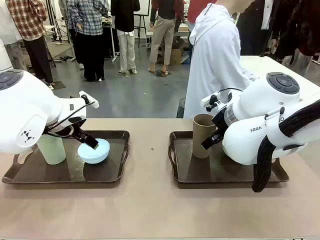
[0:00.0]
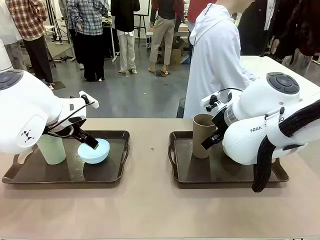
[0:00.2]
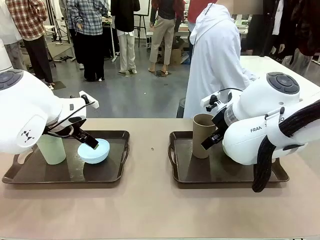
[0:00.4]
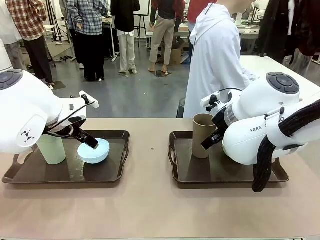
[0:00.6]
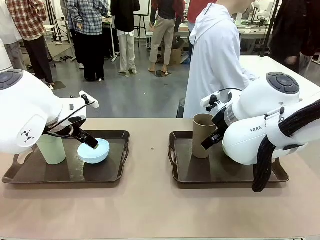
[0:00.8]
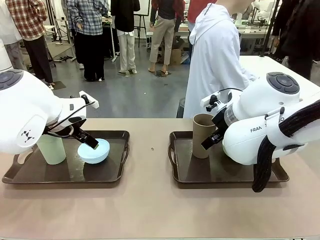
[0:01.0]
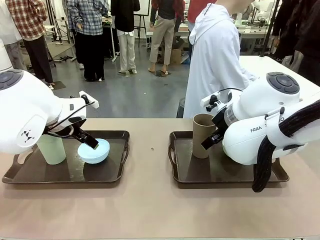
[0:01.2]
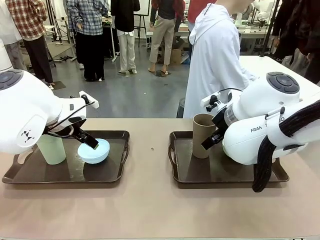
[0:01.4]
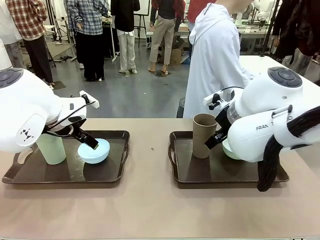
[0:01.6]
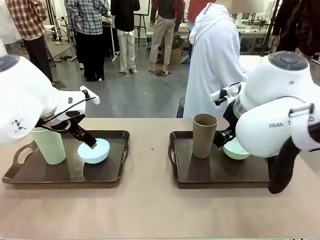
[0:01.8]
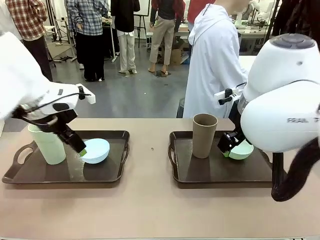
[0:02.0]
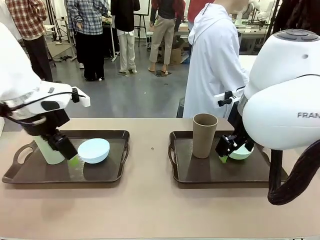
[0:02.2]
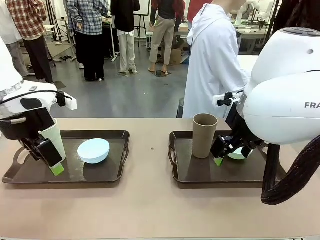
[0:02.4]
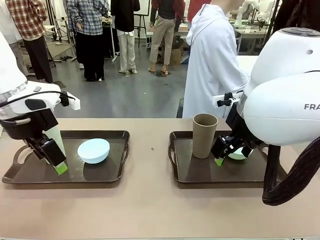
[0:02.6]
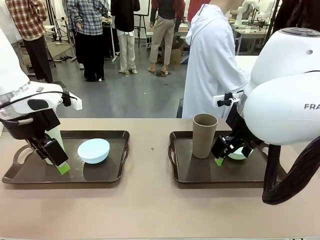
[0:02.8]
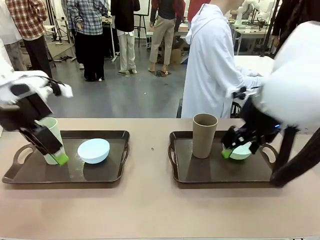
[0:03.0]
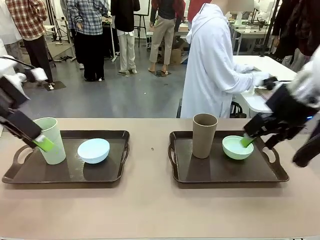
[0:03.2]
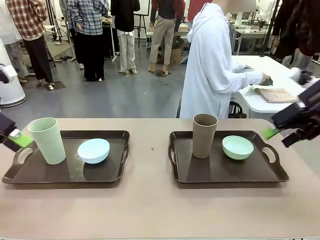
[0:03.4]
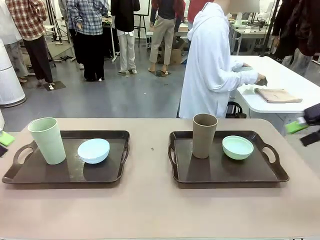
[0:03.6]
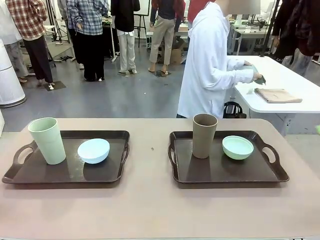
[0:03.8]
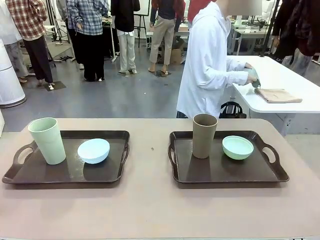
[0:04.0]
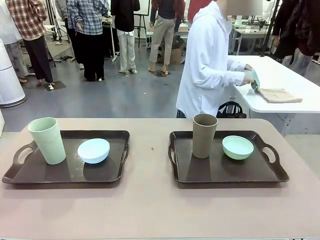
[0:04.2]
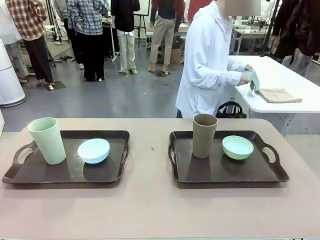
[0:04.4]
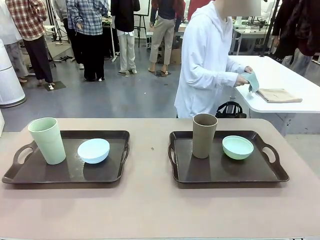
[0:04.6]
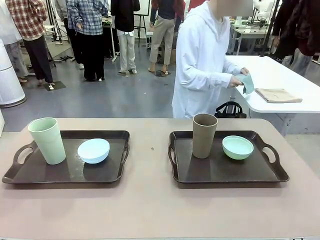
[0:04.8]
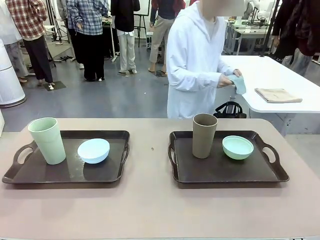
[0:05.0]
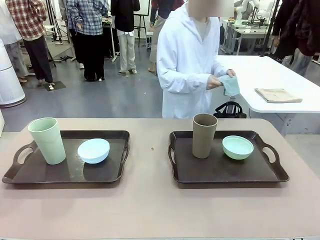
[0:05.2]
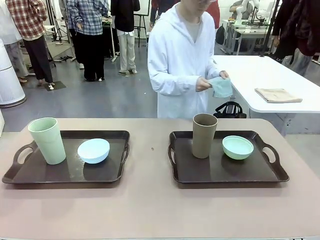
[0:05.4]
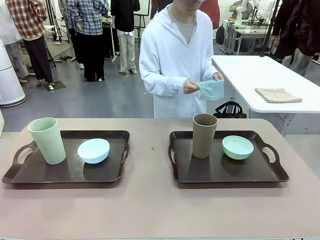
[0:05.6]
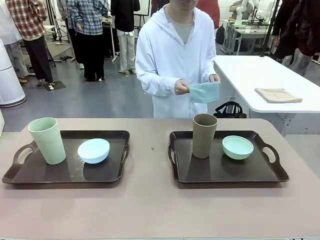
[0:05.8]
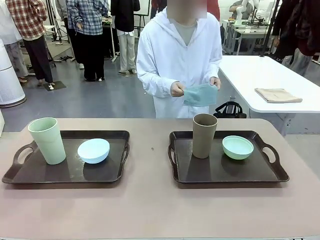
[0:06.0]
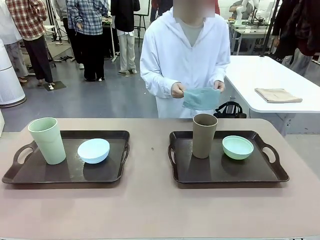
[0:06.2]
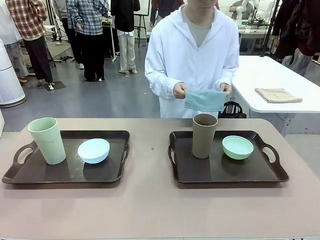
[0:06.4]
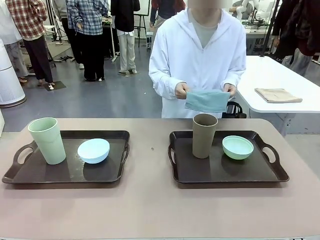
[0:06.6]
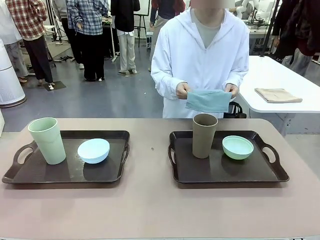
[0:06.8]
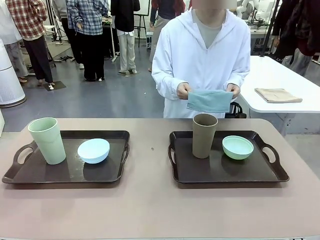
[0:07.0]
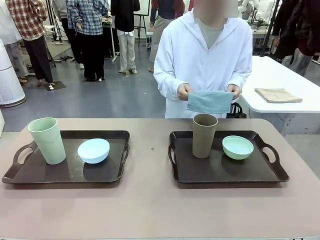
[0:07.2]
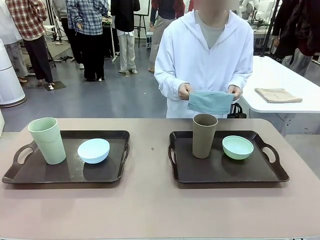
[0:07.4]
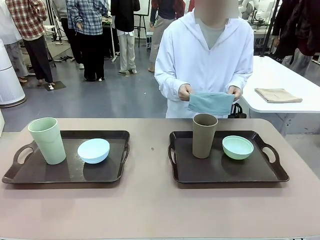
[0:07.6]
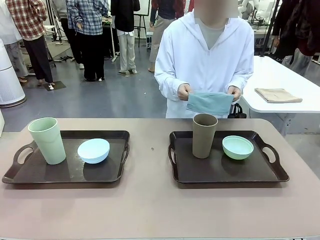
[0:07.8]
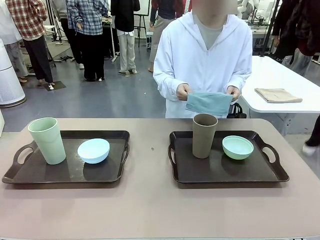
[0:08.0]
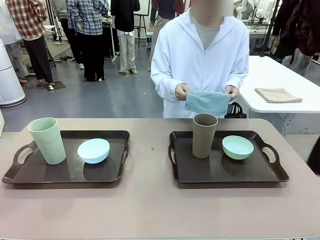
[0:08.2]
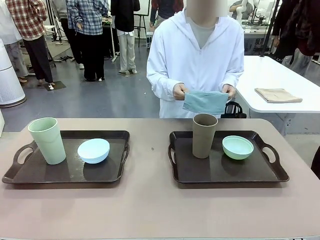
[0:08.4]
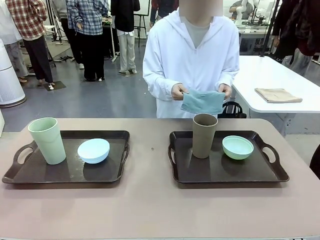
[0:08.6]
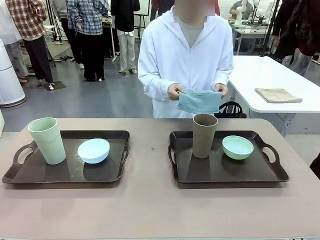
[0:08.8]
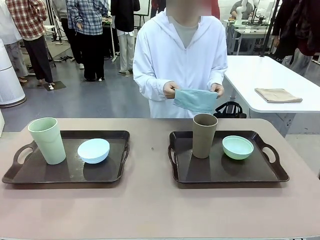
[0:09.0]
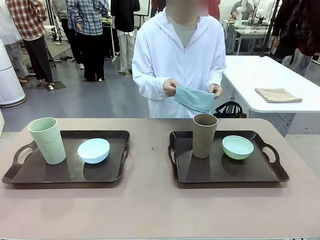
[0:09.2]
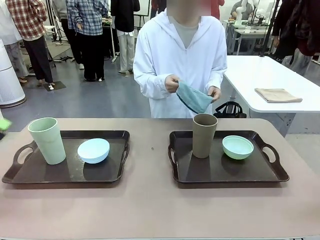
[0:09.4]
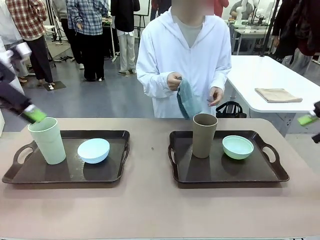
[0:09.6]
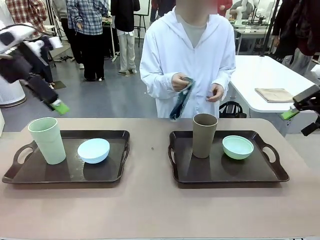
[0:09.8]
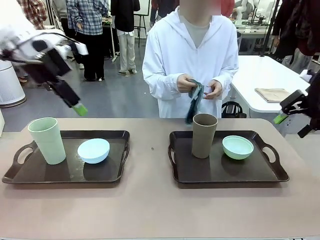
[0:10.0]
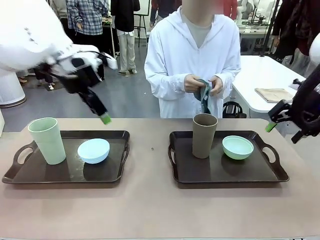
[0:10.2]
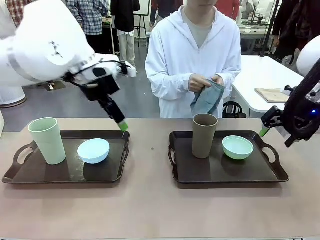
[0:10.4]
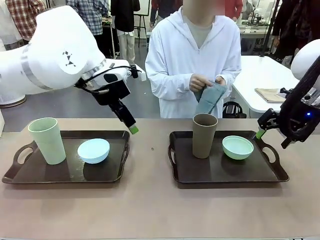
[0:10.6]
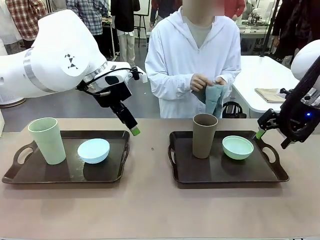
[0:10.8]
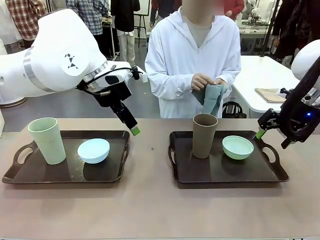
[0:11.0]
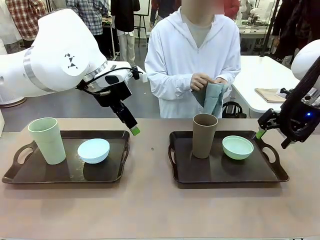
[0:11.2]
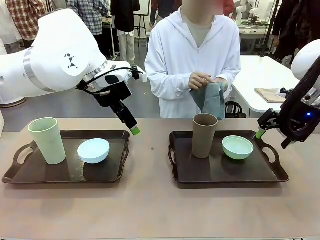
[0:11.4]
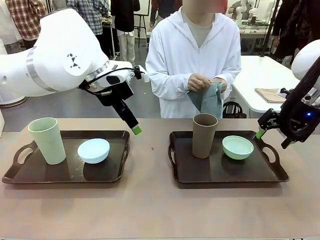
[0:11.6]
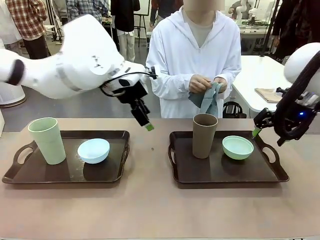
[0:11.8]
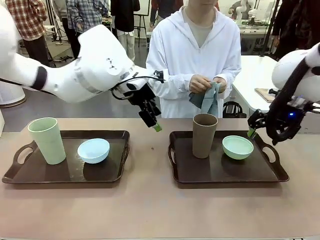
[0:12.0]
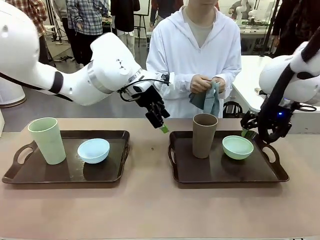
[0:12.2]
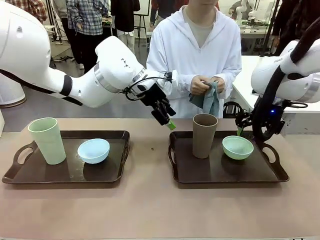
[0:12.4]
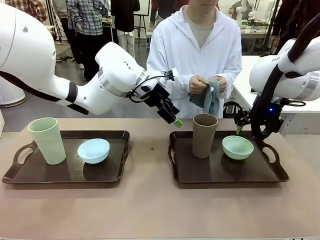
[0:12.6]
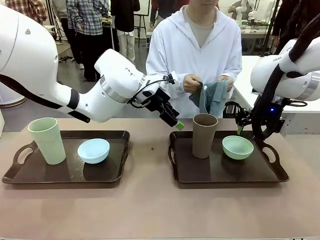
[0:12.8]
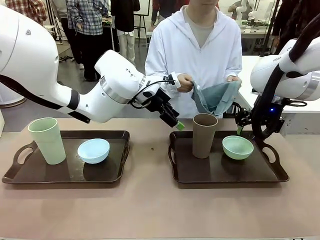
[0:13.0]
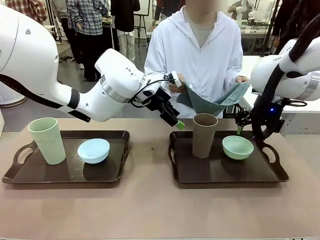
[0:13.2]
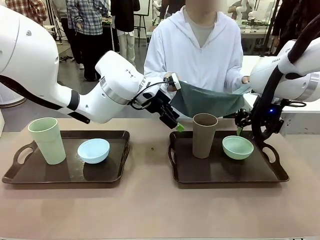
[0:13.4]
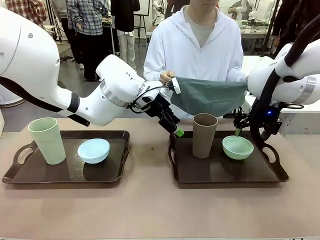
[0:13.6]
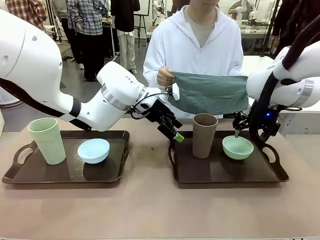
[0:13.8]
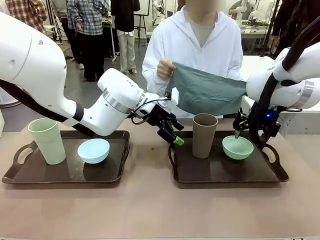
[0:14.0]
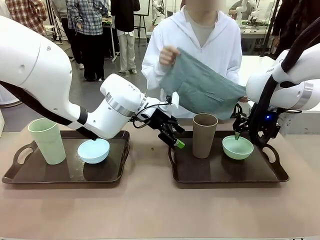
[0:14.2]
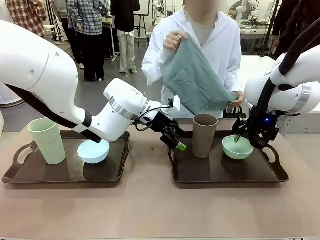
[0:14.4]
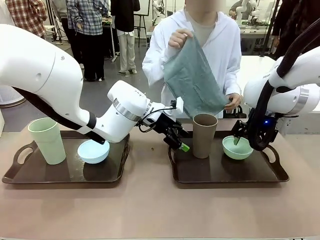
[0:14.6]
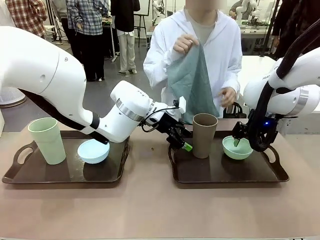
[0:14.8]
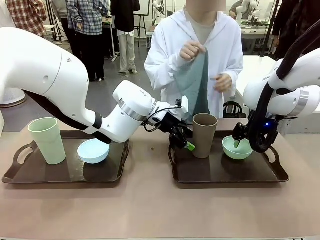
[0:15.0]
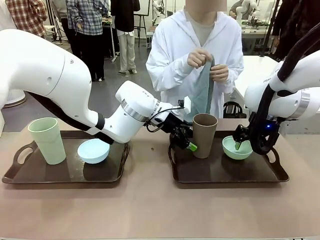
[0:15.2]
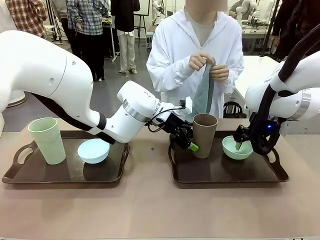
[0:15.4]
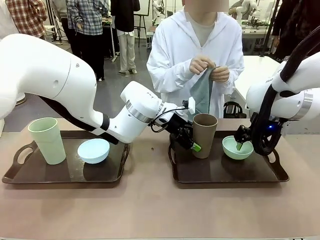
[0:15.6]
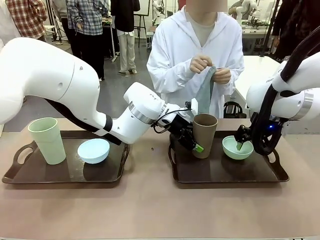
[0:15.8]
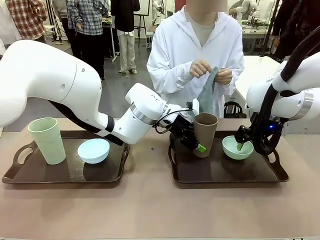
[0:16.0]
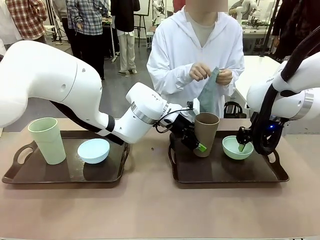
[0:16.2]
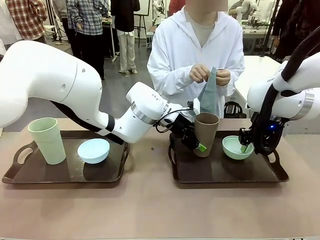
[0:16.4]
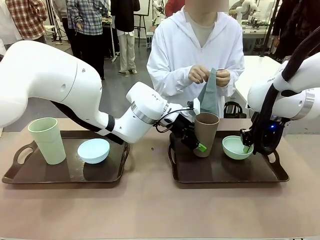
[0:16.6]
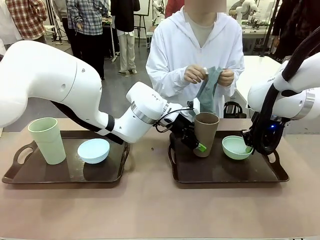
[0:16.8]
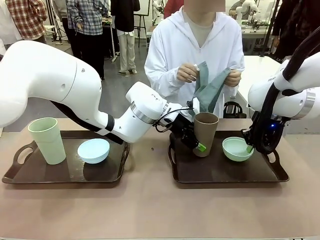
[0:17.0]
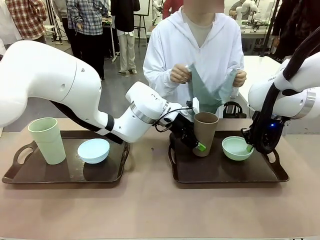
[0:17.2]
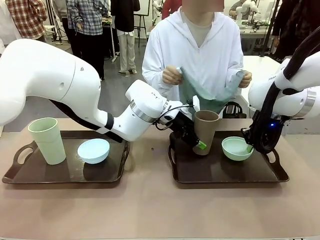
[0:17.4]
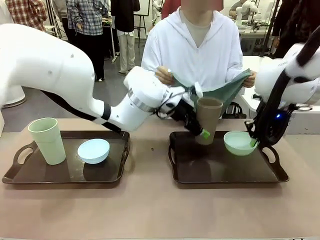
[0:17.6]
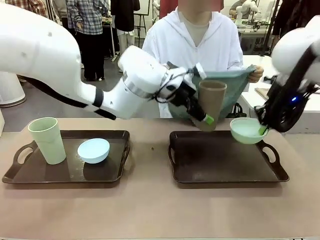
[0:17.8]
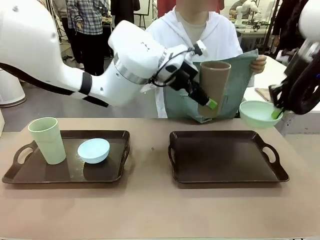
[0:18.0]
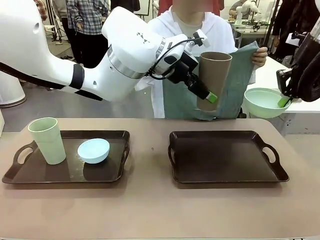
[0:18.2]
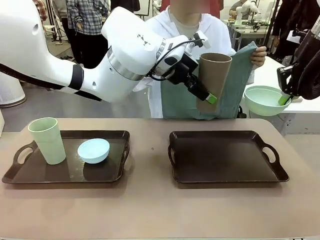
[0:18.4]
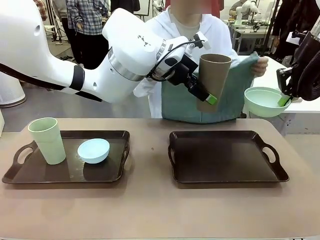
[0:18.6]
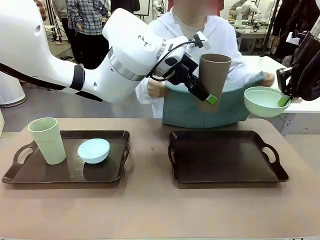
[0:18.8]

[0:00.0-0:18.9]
Robot: Pick up the Picnic Bowl and Reusable plastic cup from the Handle tray in front of the human's position and hold them in the air.
Person: The human picks up the top napkin from the stack on the human table and walks to the robot table to stand in front of one of the two trays. When the robot lifts the bowl and the cup, the human unfolds the napkin and lays the napkin flat on the tray.
